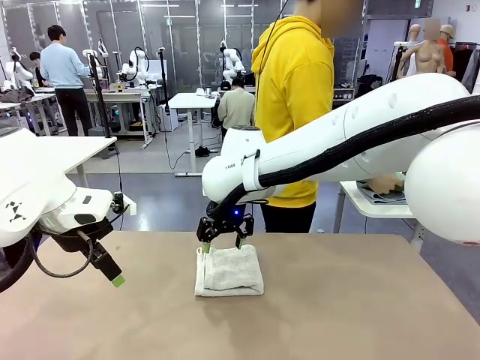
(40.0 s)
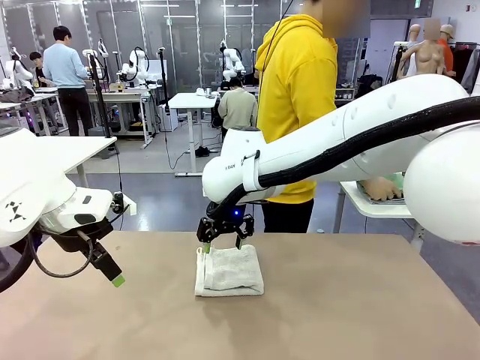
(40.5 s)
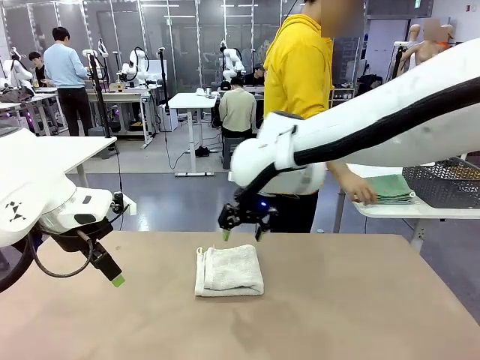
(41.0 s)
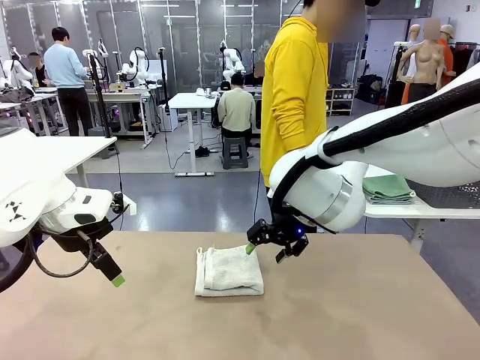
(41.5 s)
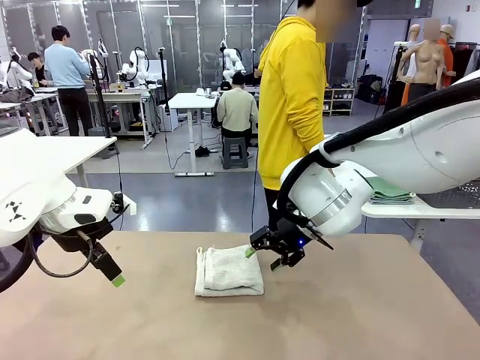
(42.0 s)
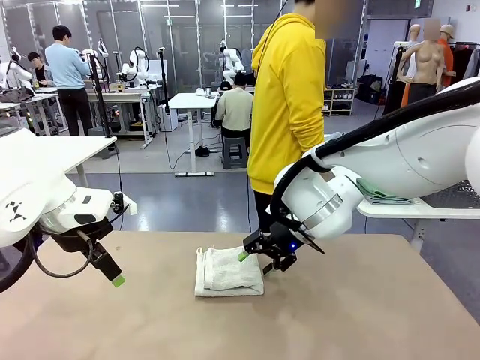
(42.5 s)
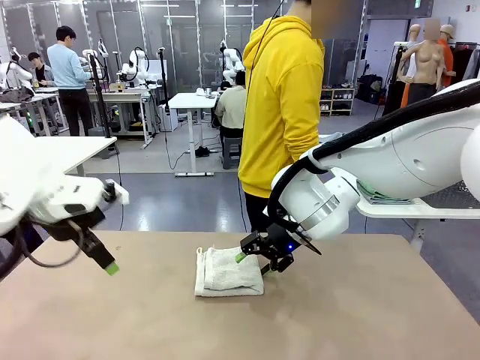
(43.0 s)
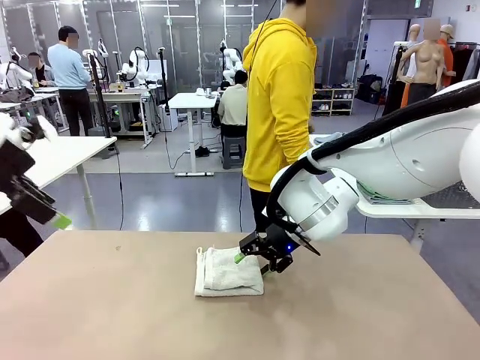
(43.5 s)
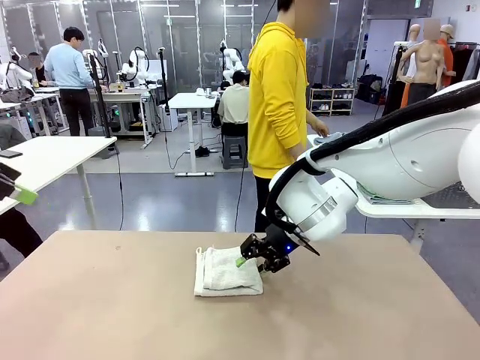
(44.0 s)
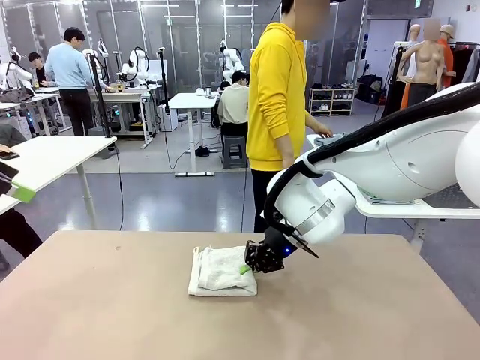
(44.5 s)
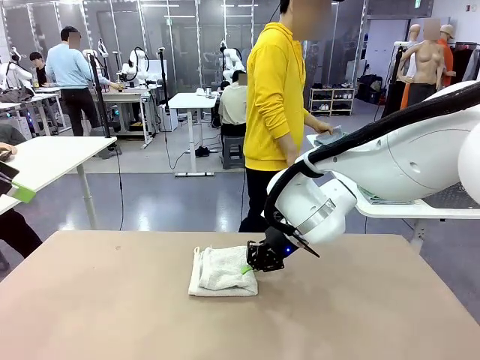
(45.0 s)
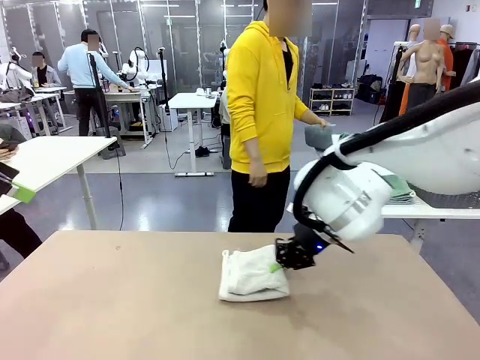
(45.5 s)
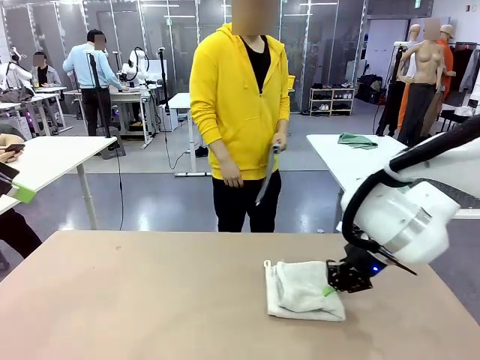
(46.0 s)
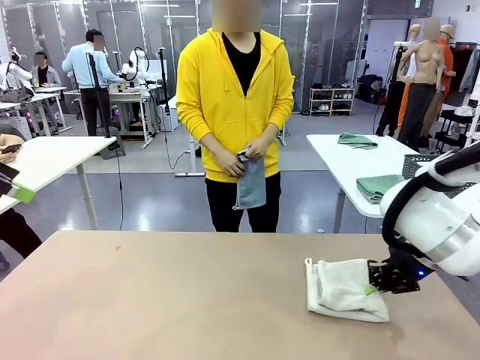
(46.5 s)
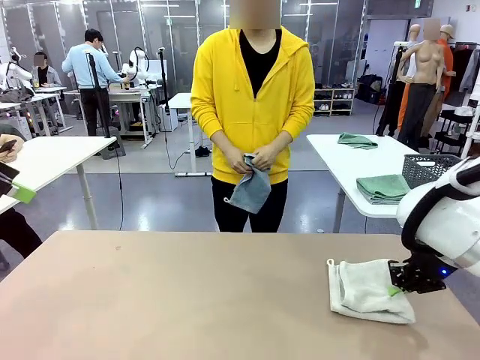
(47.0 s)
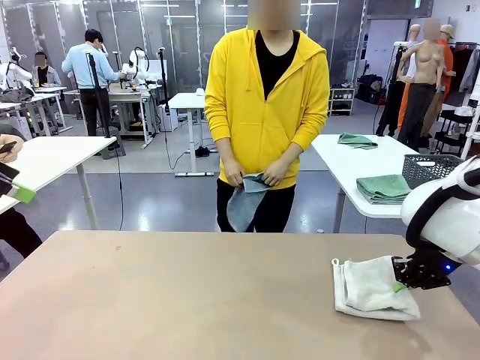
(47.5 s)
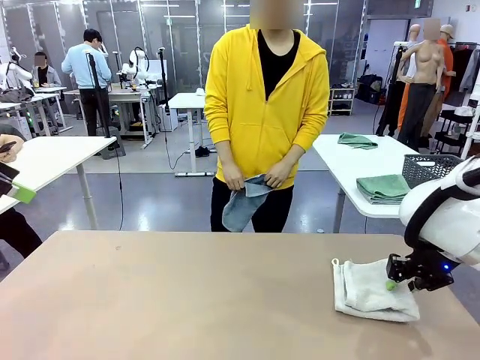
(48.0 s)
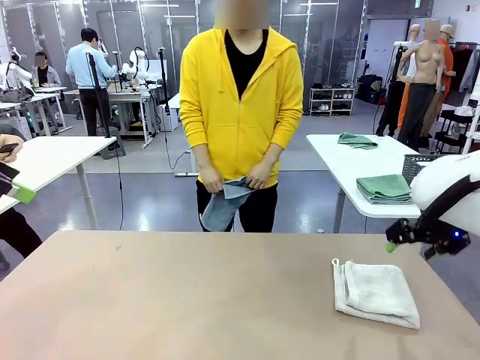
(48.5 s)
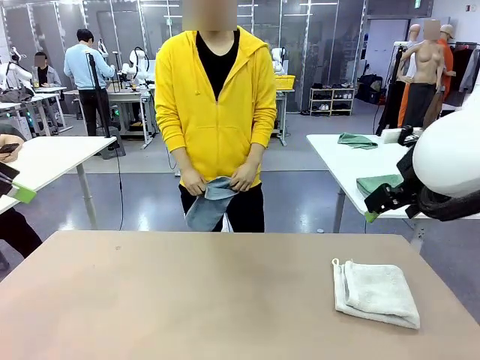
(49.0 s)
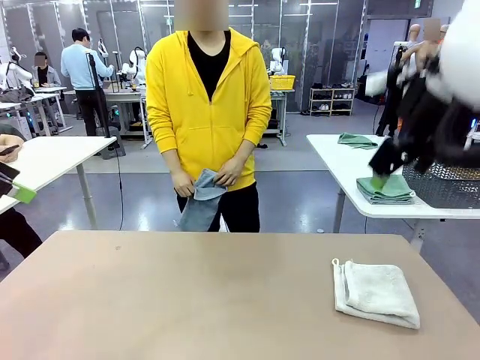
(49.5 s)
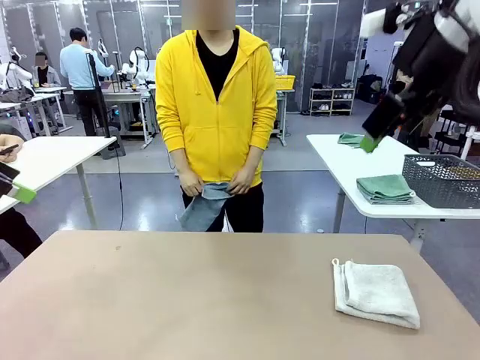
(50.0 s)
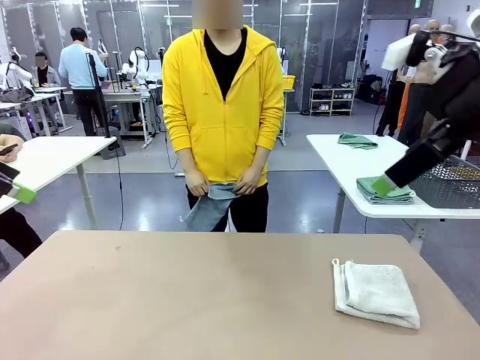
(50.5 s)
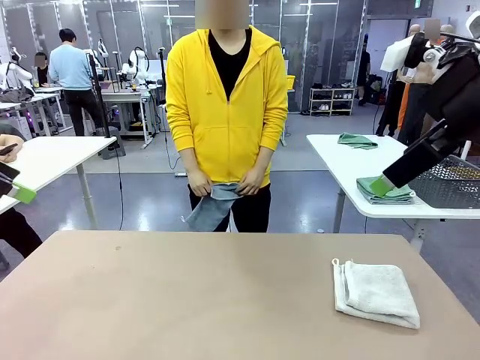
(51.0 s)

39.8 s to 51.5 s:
Task: Fold the towels and place them in the basket.
Robot: Place the folded Towel with hook on the right side of the table.
Person: Pick up one towel from the left side of the human table and spread it out at the center of the robot table.

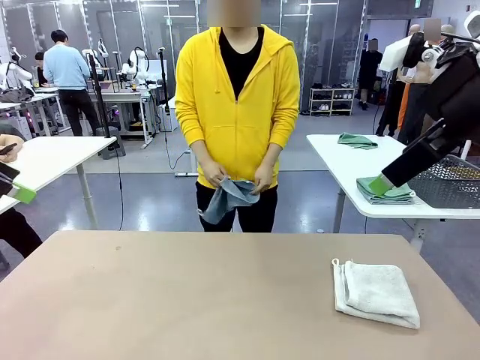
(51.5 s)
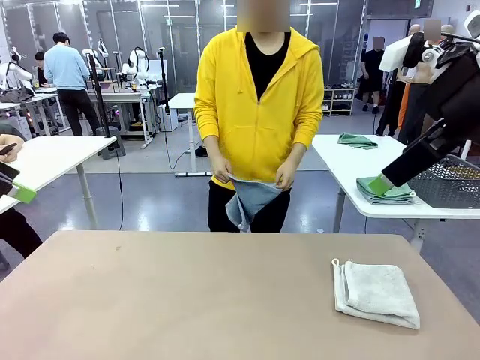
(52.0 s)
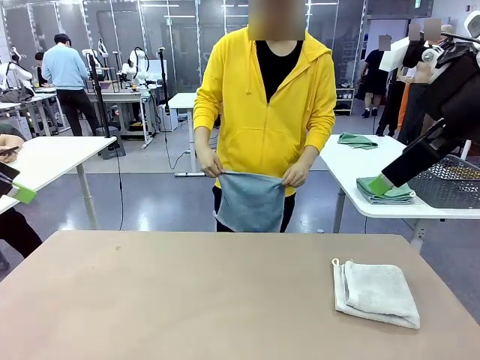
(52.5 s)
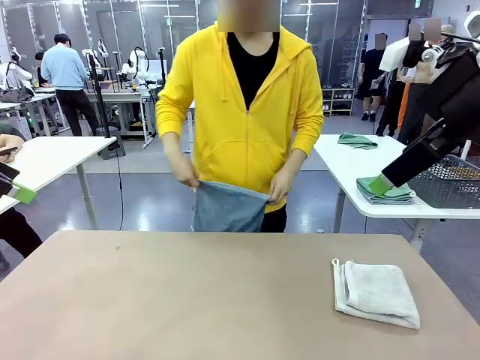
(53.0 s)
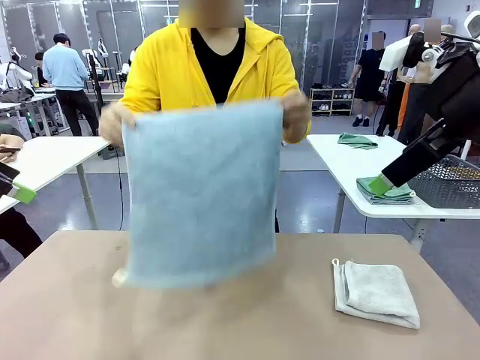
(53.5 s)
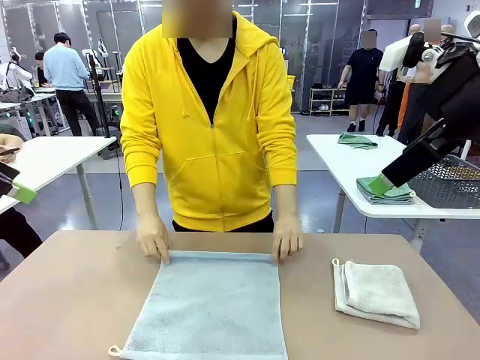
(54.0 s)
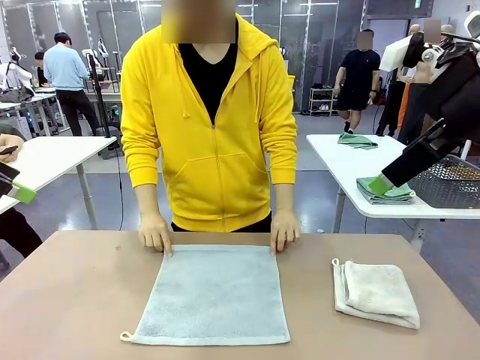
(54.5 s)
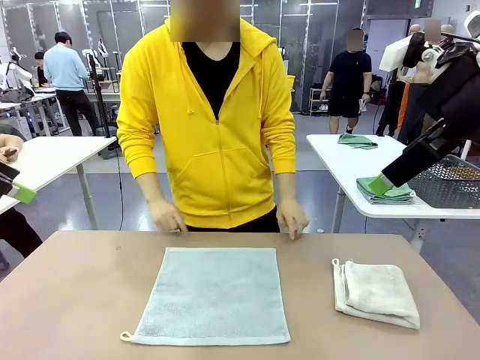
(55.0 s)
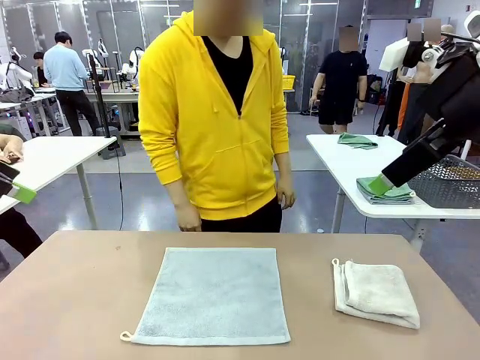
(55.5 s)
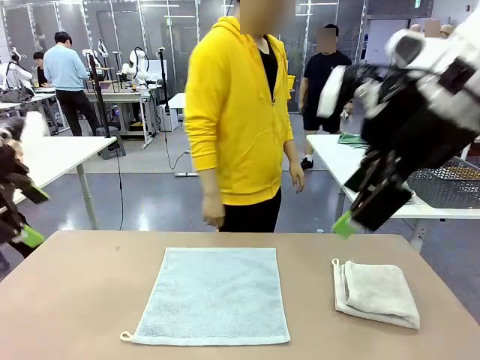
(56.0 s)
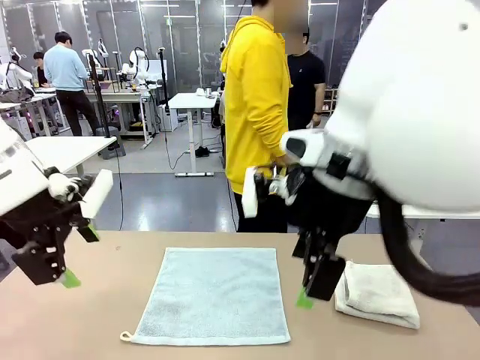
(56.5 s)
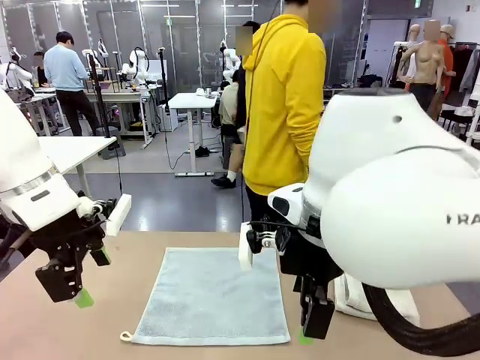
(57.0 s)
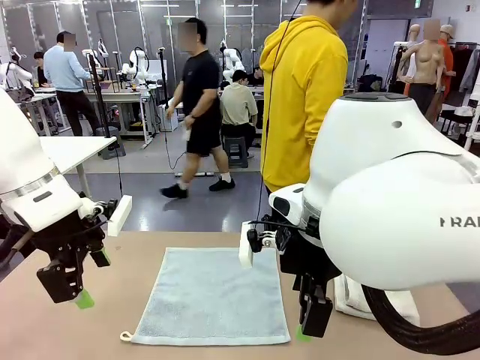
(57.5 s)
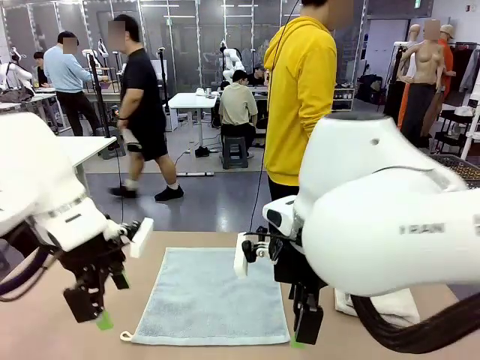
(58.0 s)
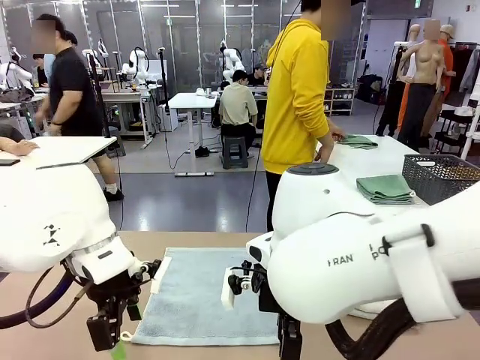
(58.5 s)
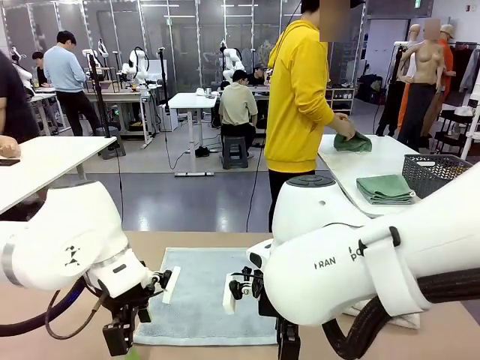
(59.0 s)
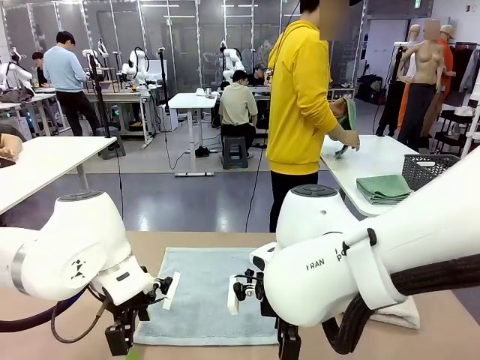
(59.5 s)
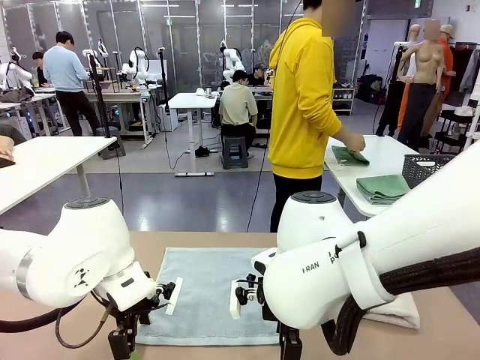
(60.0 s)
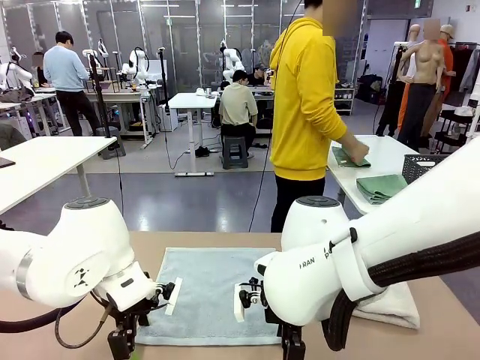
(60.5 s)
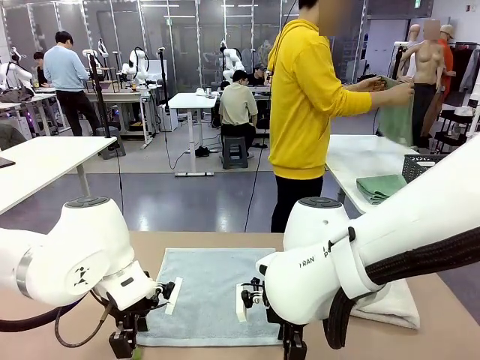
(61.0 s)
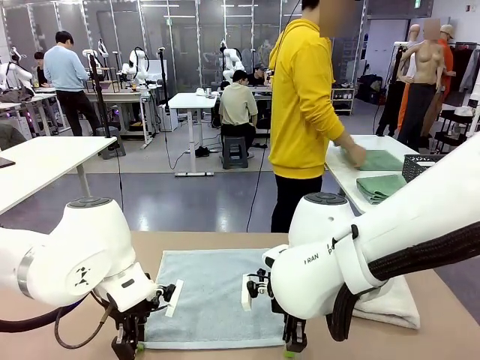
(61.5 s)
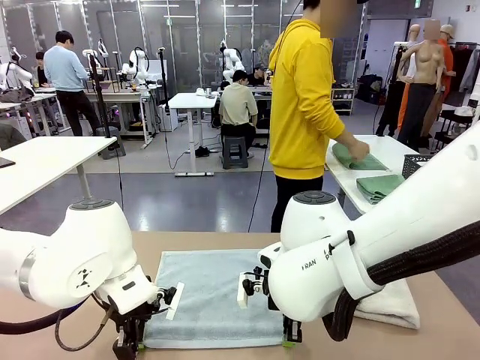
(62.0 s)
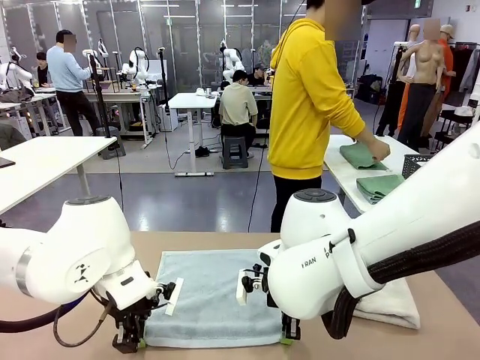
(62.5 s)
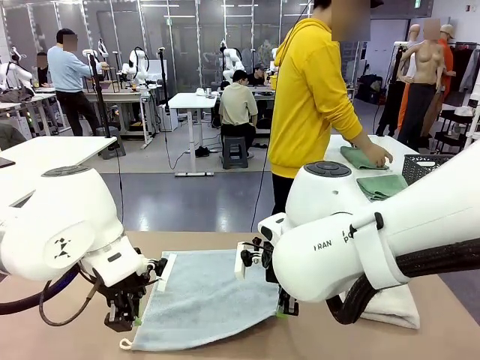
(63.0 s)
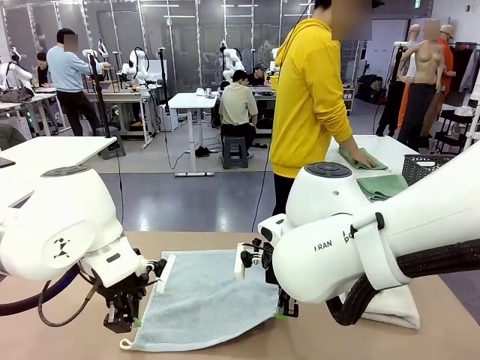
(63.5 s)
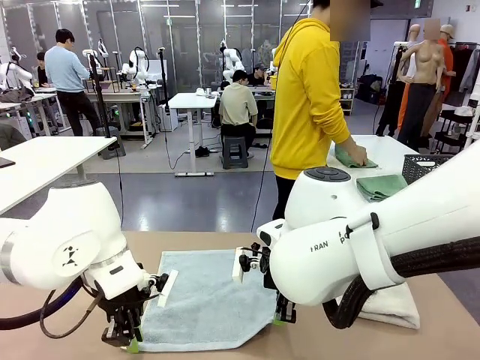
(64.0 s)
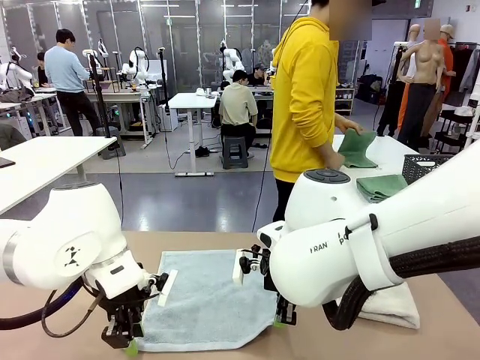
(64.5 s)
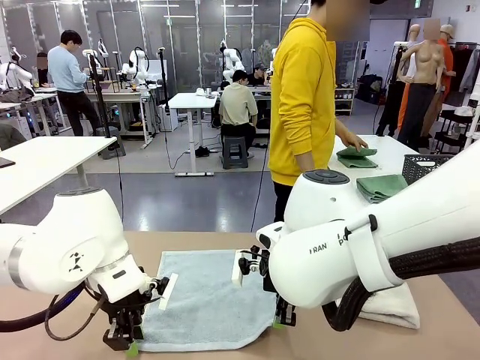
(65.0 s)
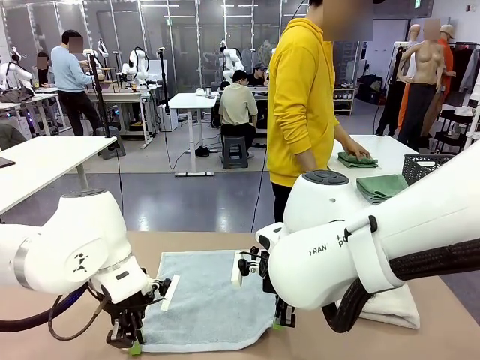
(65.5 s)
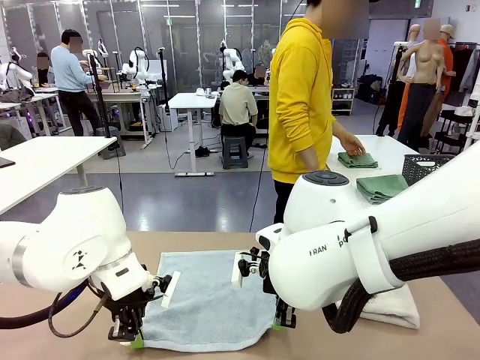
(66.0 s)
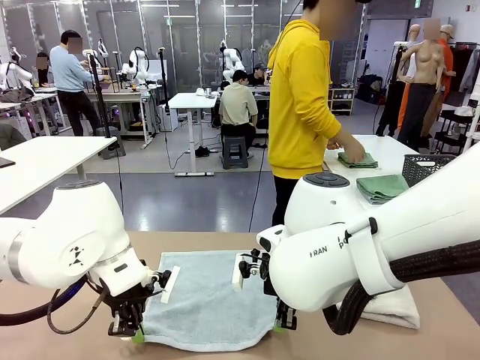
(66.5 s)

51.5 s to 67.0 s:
Robot: When a person lays out a Towel with hook on the table, fold it in half twice.
Person: Pick up one towel from the left side of the human table, fold it in half twice, and stack it on the right side of the table.
